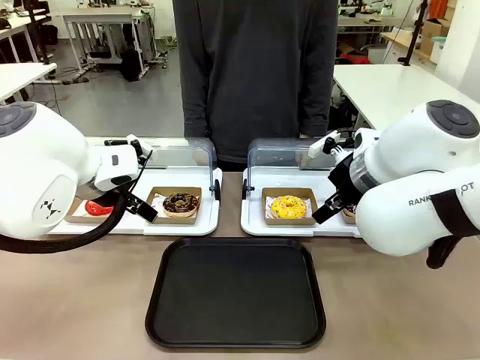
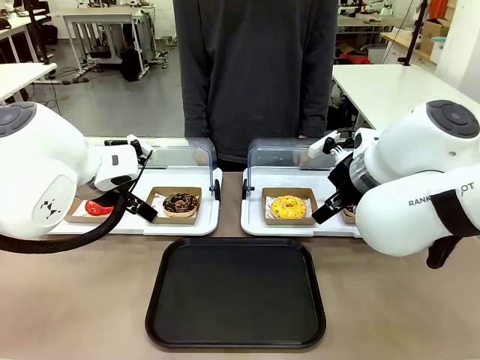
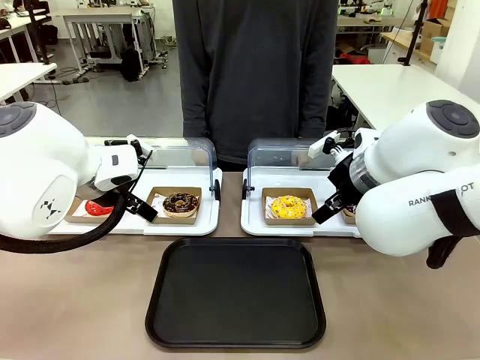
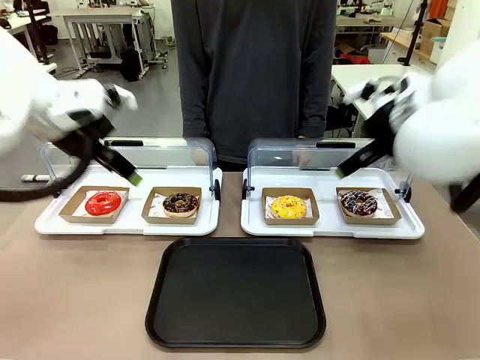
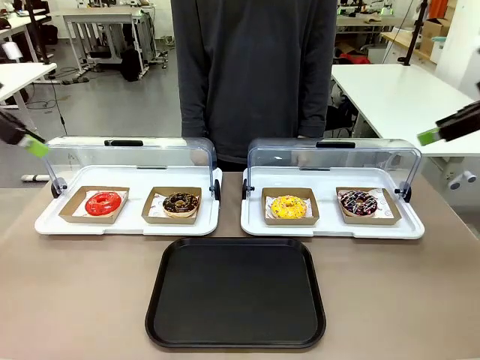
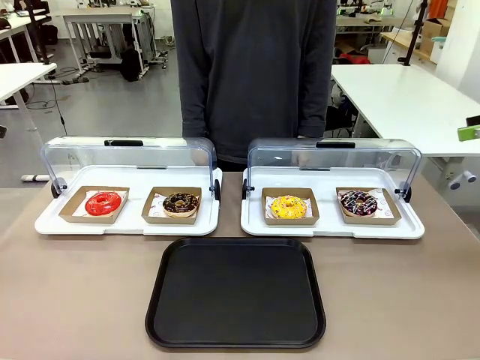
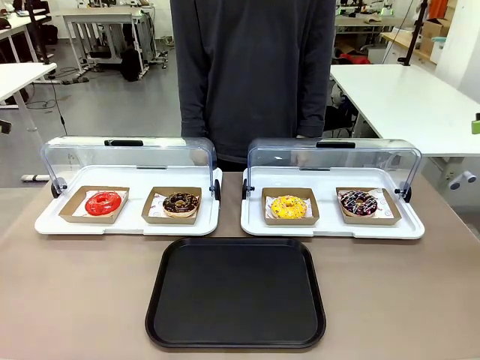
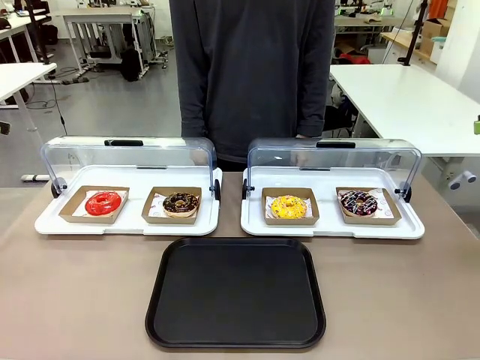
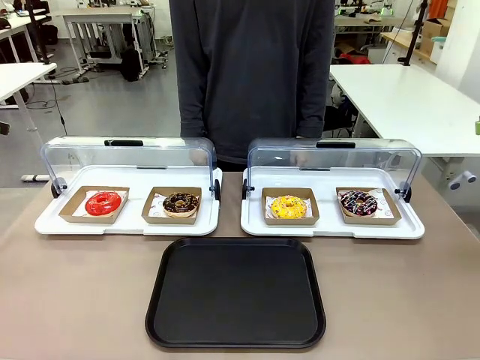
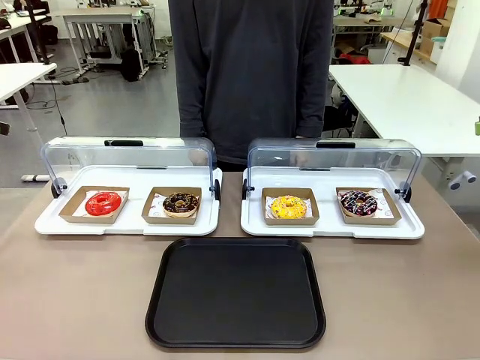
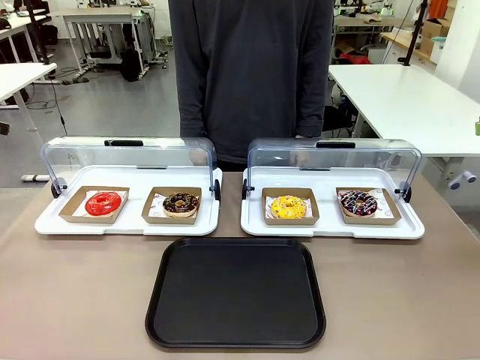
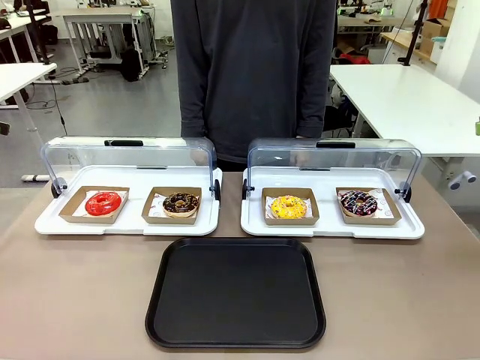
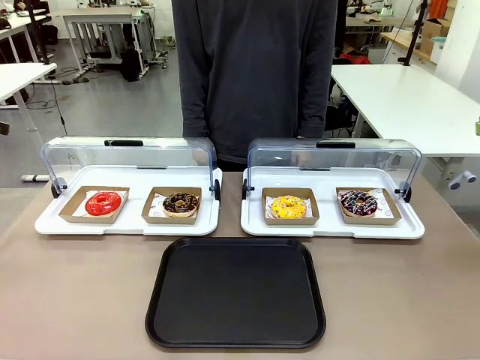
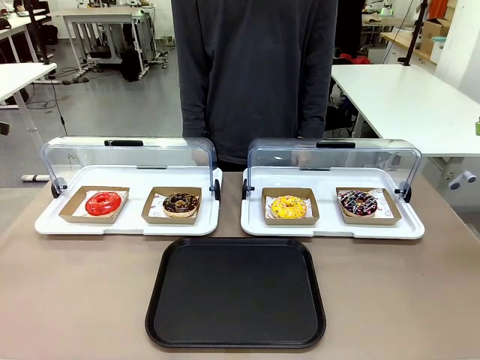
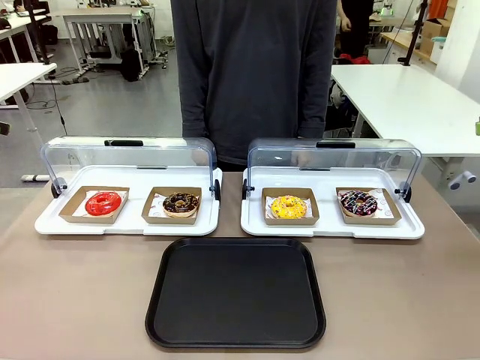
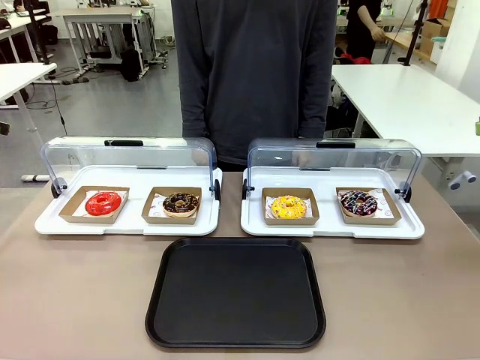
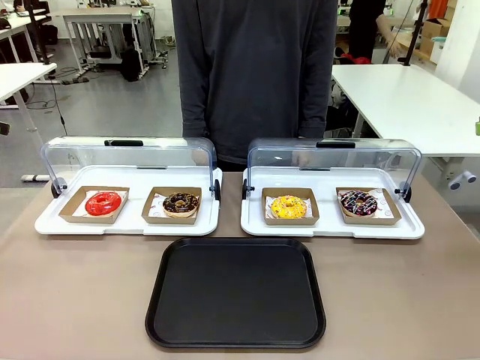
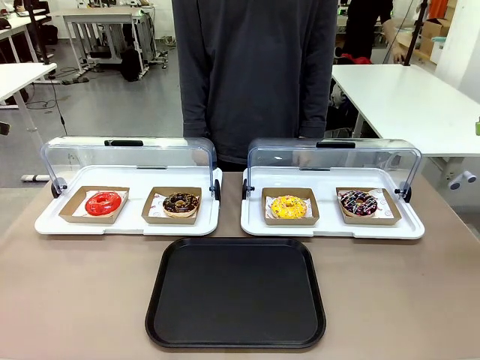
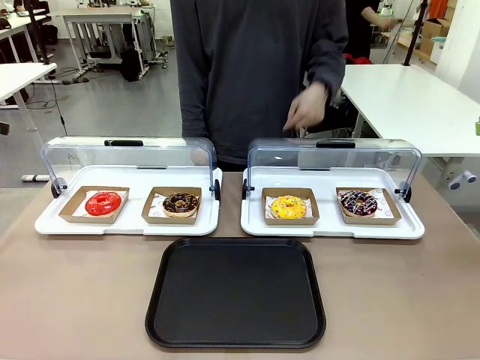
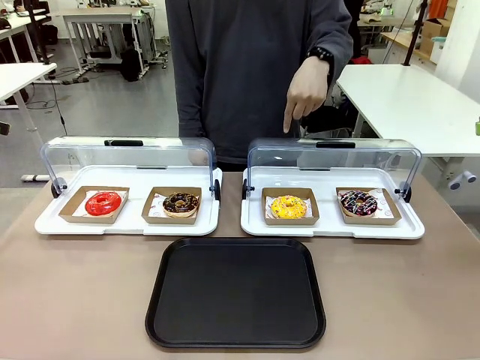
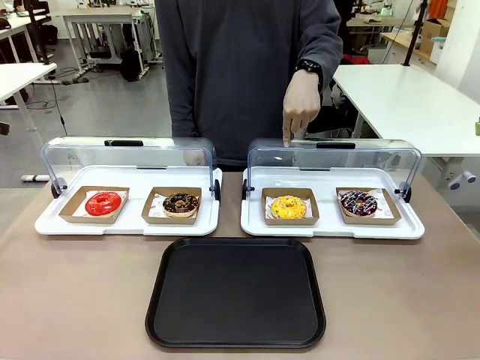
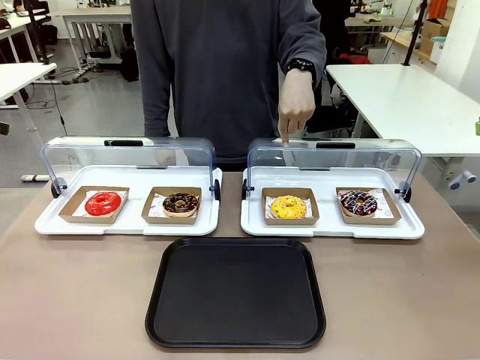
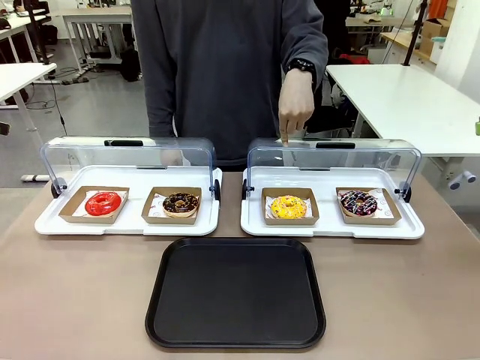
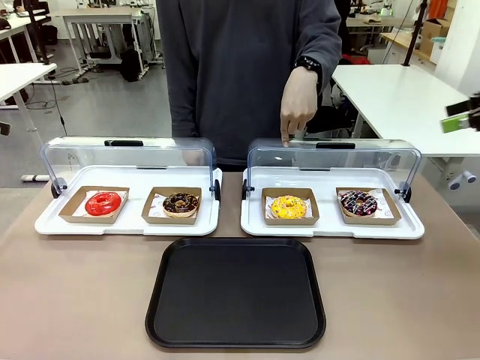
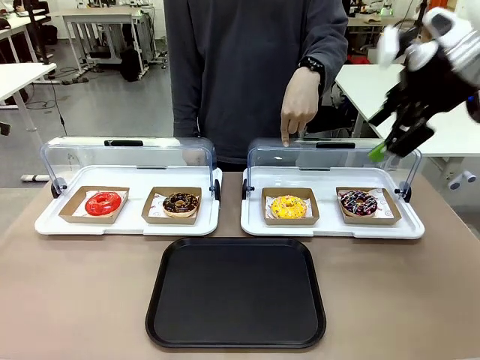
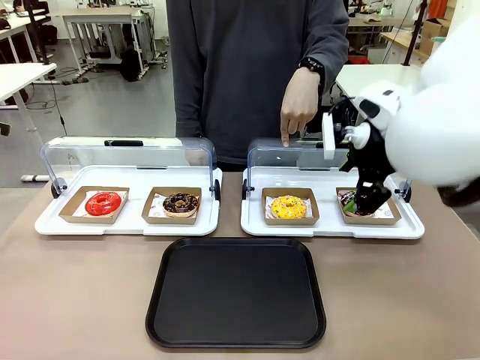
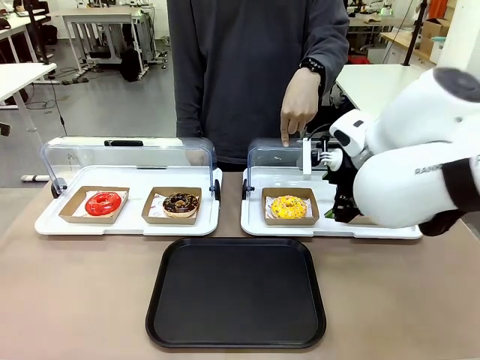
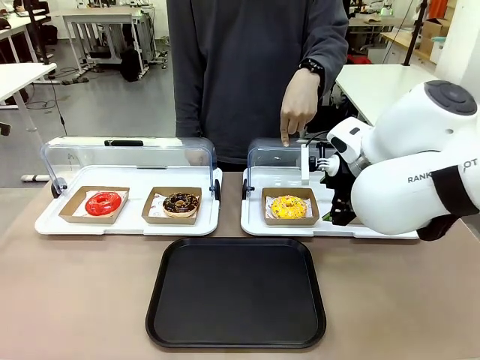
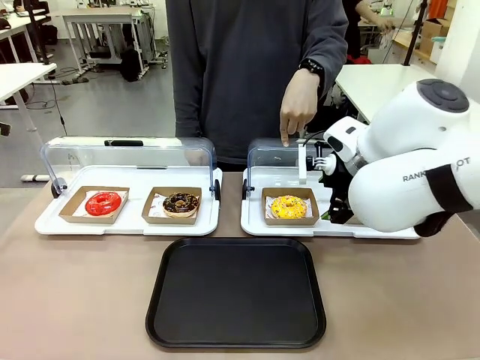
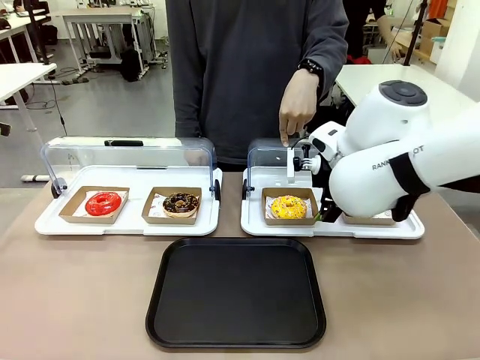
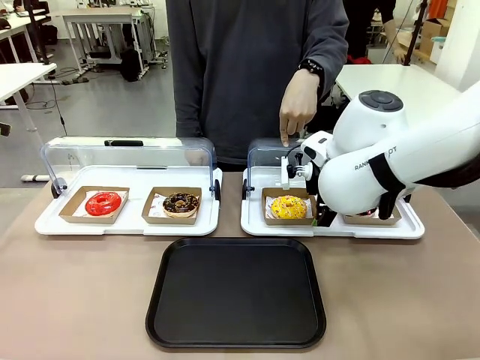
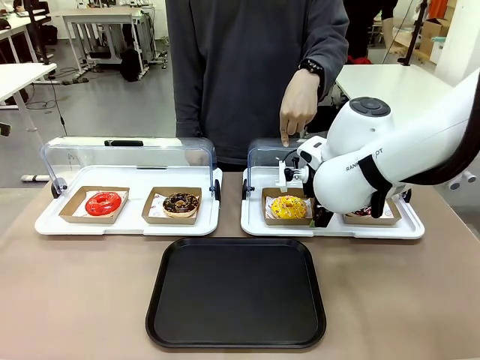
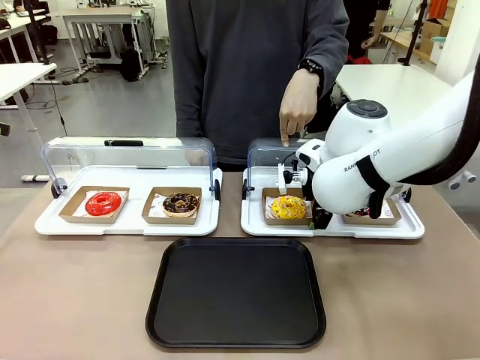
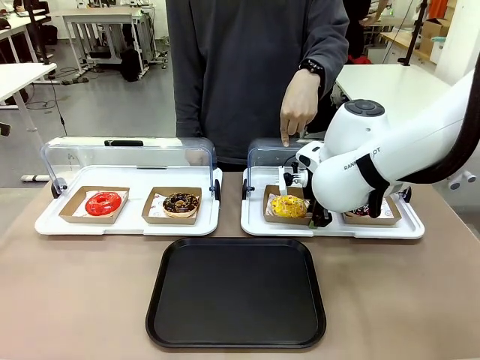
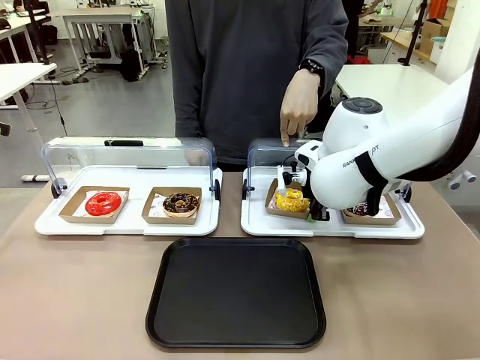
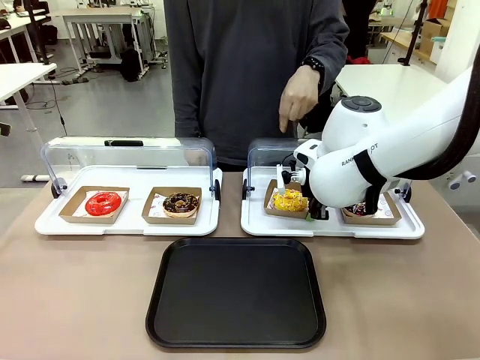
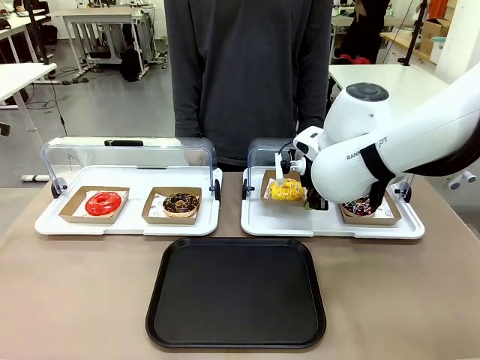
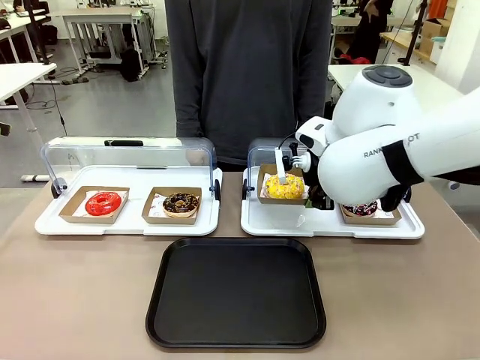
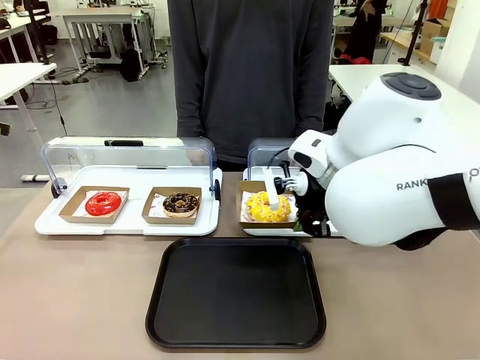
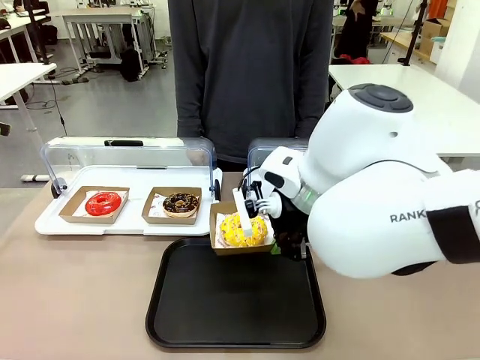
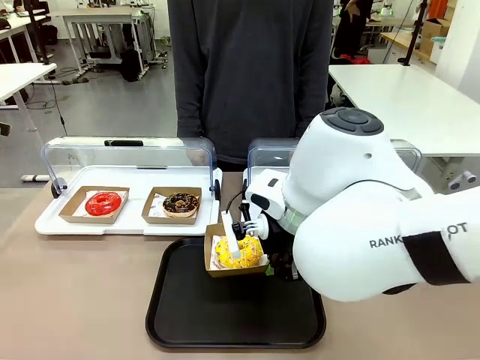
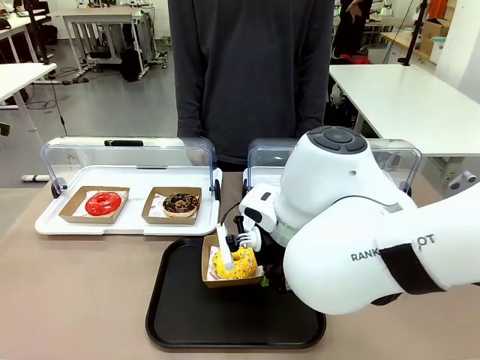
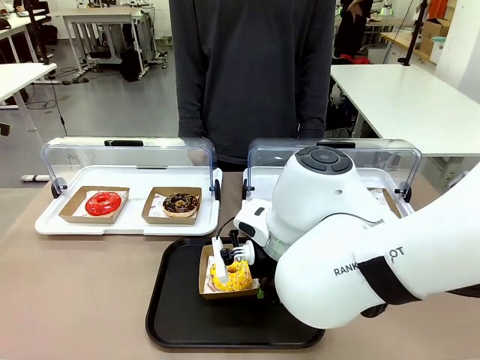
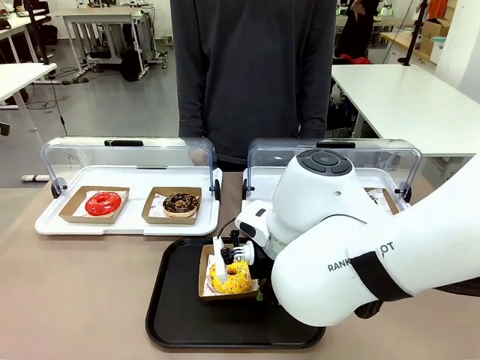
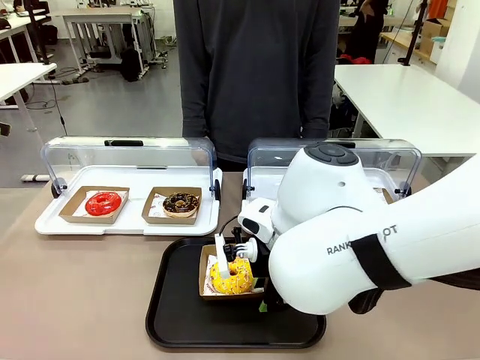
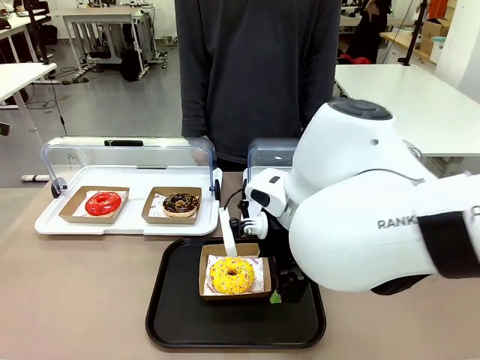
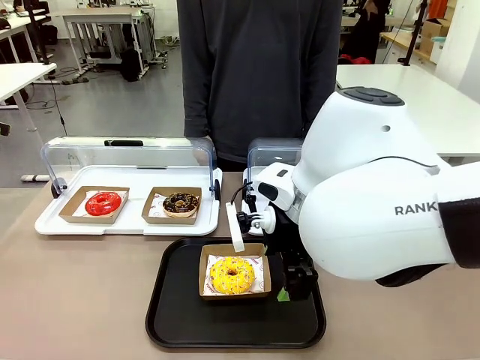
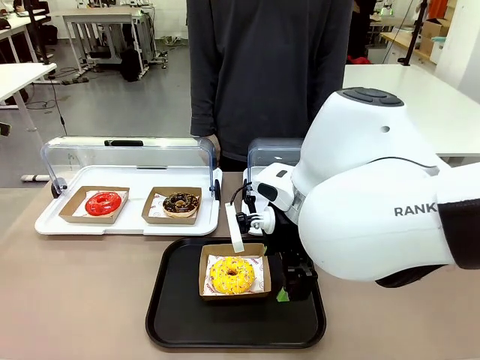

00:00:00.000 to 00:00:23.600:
Task: Move the third donut from the left to the tray.
Robot: Pick up the Paper togo box containing the Donut indicated by the person and place it on the Handle tray.
Person: Points to the third donut from the left from the robot’s perspective.
